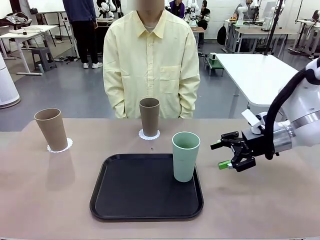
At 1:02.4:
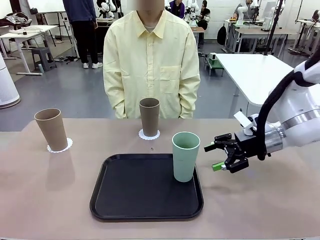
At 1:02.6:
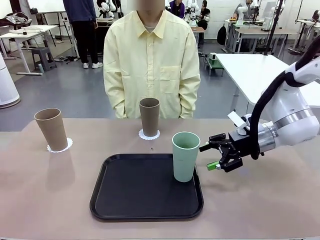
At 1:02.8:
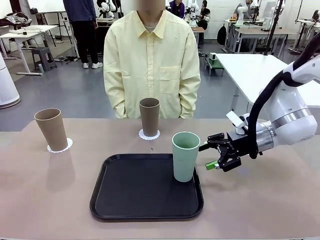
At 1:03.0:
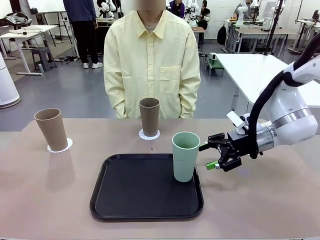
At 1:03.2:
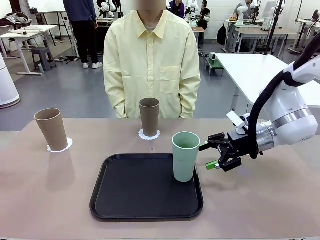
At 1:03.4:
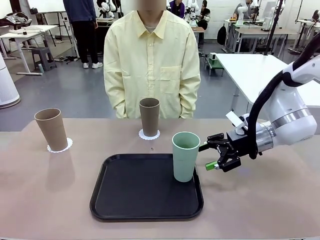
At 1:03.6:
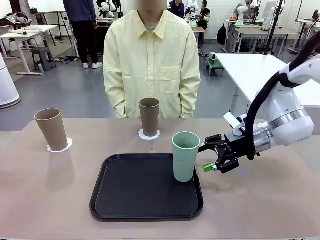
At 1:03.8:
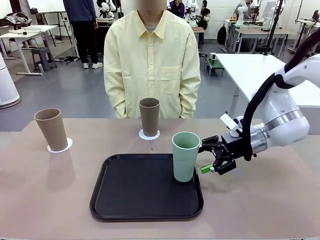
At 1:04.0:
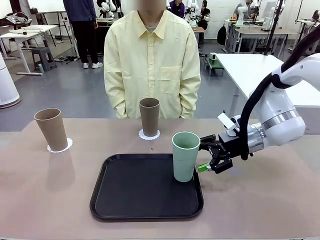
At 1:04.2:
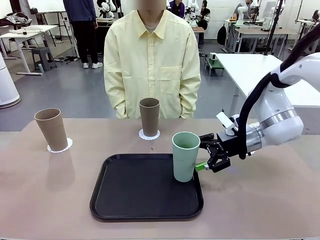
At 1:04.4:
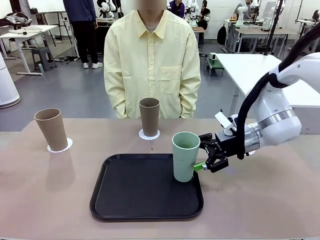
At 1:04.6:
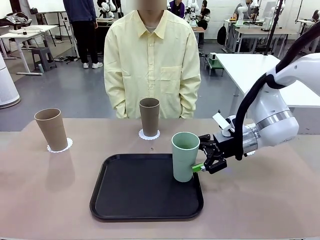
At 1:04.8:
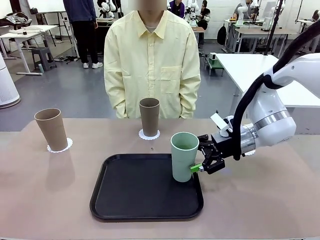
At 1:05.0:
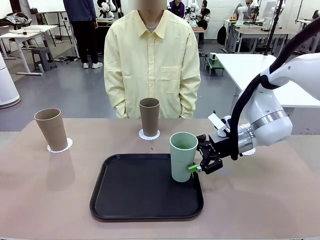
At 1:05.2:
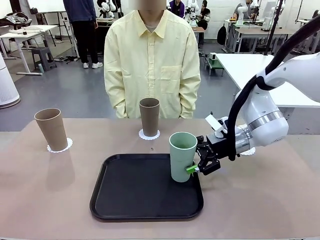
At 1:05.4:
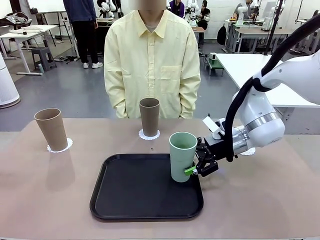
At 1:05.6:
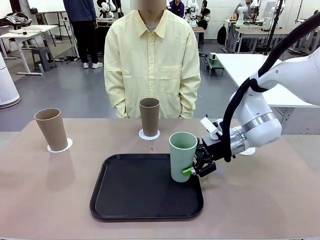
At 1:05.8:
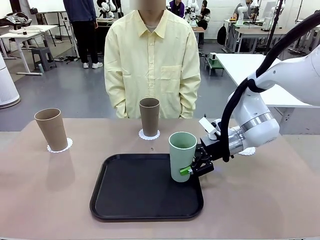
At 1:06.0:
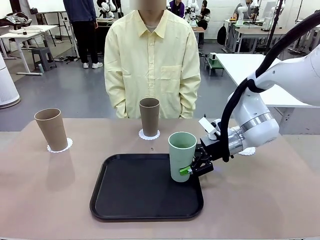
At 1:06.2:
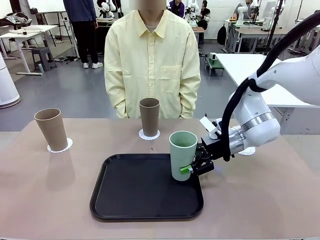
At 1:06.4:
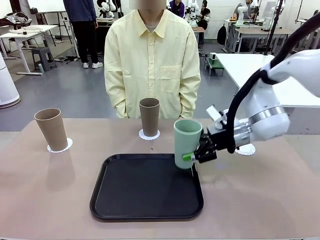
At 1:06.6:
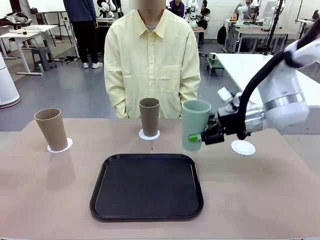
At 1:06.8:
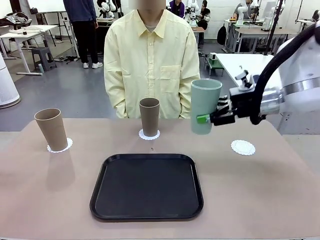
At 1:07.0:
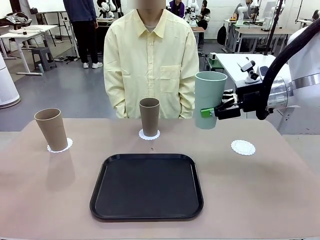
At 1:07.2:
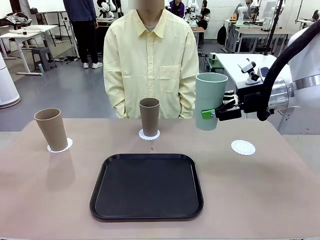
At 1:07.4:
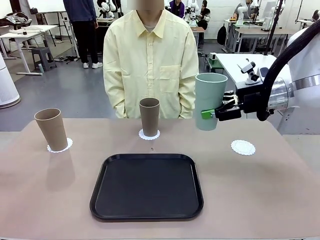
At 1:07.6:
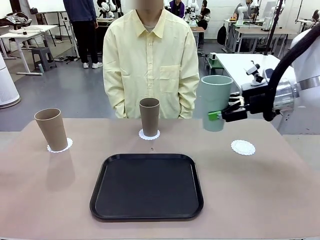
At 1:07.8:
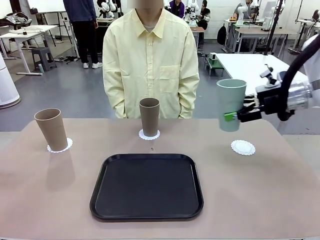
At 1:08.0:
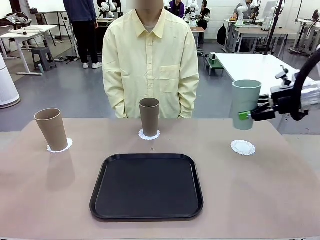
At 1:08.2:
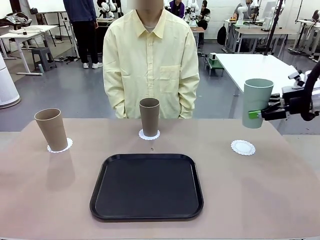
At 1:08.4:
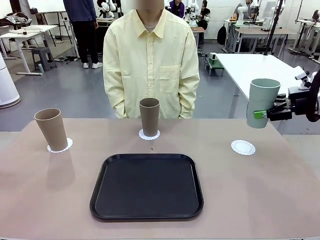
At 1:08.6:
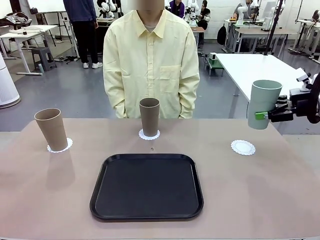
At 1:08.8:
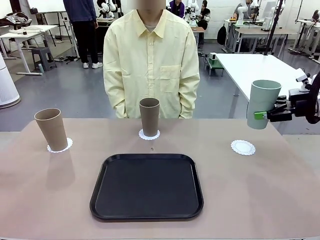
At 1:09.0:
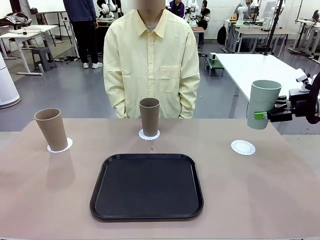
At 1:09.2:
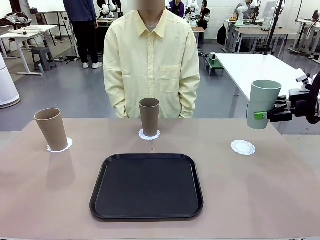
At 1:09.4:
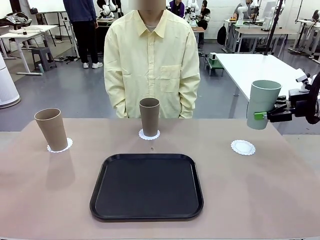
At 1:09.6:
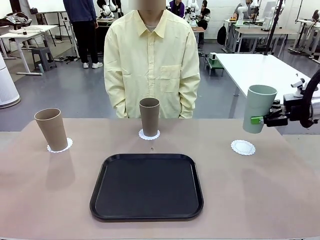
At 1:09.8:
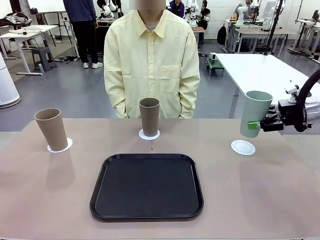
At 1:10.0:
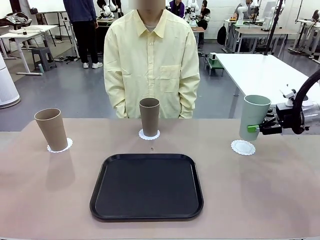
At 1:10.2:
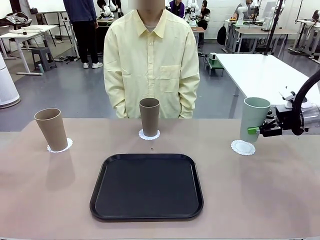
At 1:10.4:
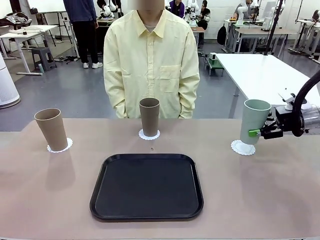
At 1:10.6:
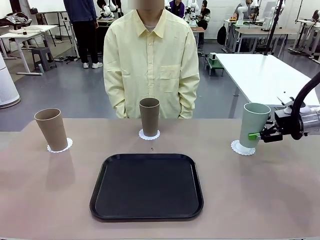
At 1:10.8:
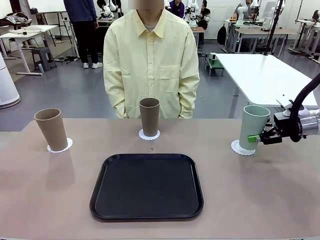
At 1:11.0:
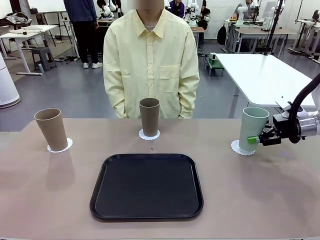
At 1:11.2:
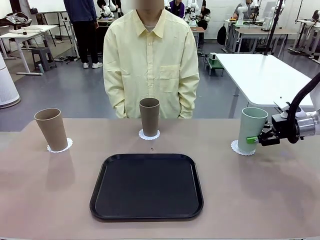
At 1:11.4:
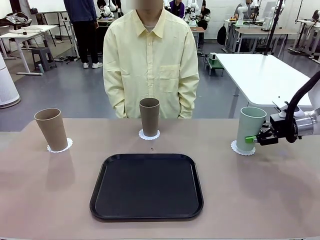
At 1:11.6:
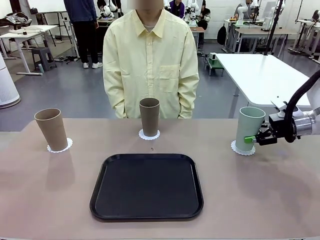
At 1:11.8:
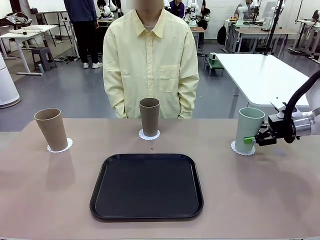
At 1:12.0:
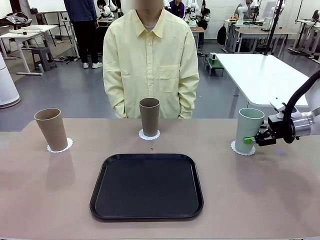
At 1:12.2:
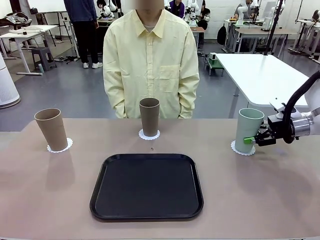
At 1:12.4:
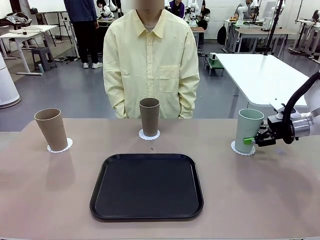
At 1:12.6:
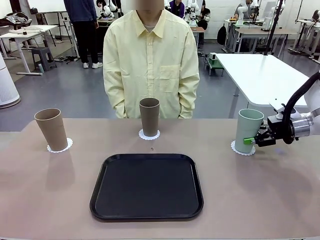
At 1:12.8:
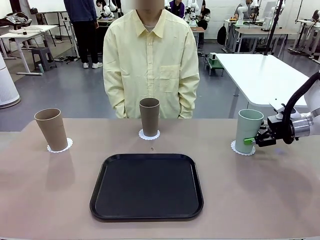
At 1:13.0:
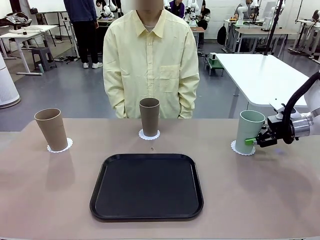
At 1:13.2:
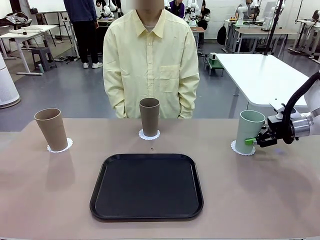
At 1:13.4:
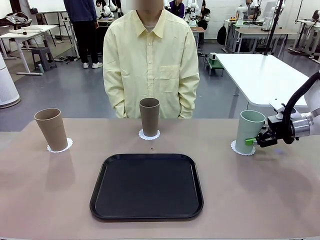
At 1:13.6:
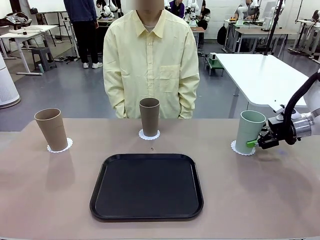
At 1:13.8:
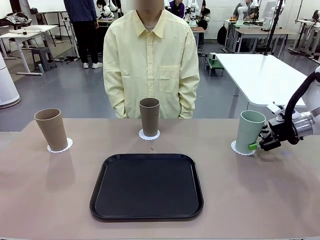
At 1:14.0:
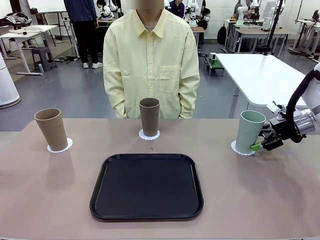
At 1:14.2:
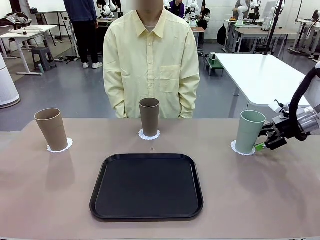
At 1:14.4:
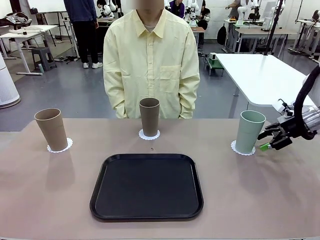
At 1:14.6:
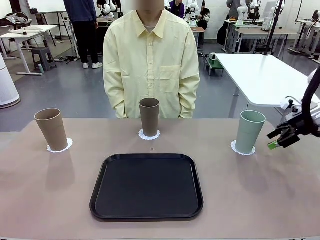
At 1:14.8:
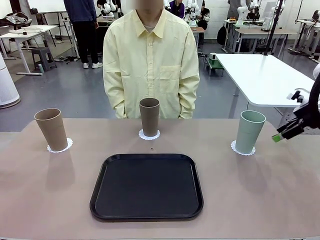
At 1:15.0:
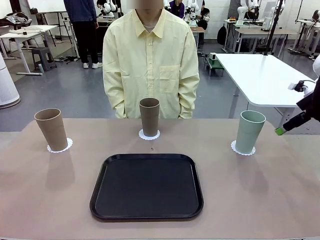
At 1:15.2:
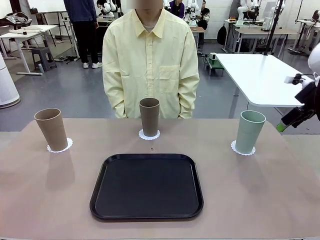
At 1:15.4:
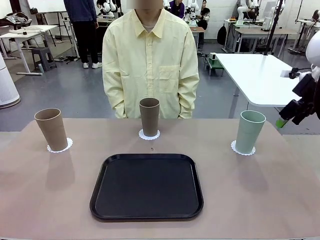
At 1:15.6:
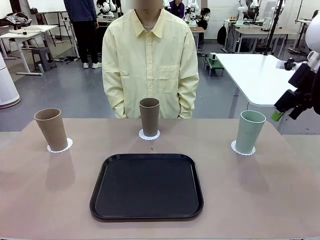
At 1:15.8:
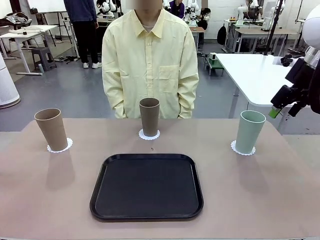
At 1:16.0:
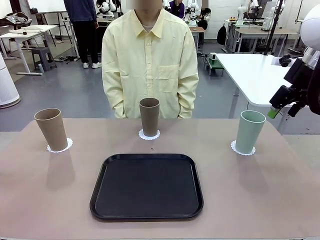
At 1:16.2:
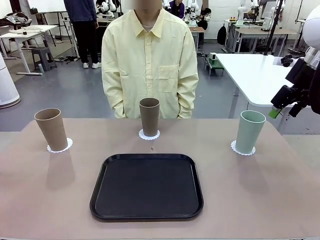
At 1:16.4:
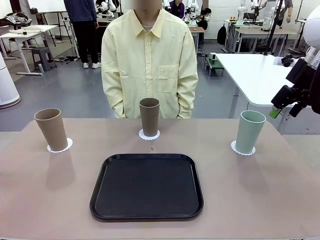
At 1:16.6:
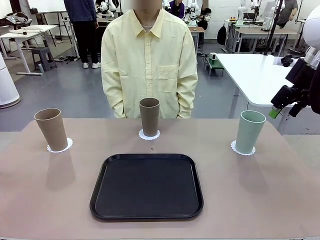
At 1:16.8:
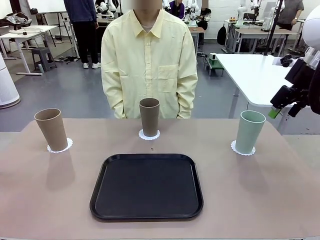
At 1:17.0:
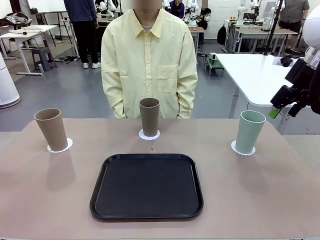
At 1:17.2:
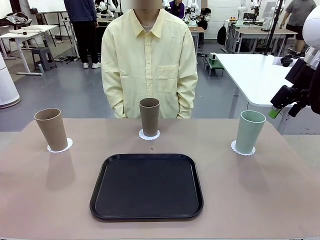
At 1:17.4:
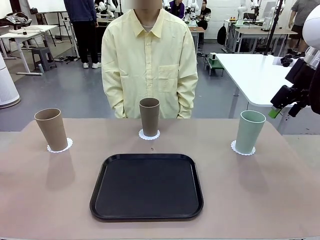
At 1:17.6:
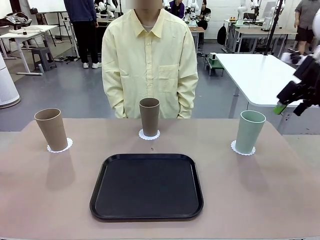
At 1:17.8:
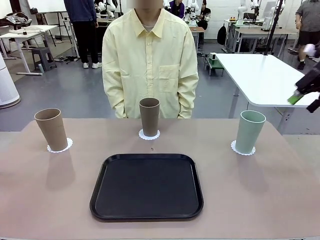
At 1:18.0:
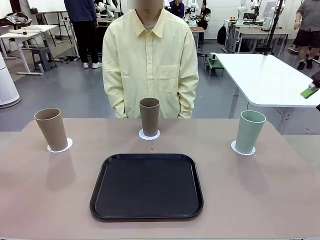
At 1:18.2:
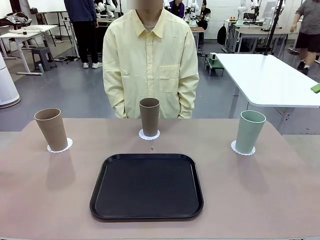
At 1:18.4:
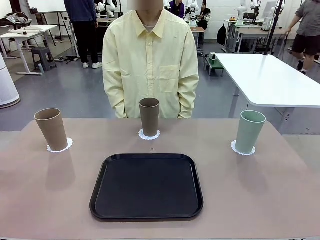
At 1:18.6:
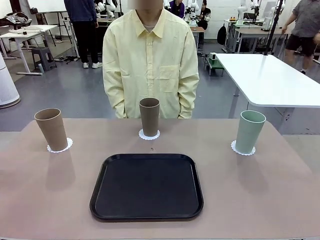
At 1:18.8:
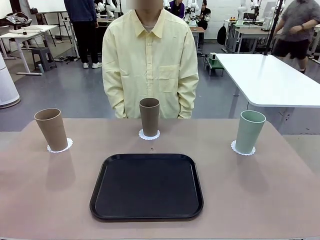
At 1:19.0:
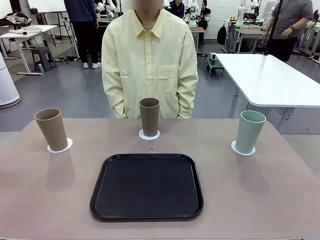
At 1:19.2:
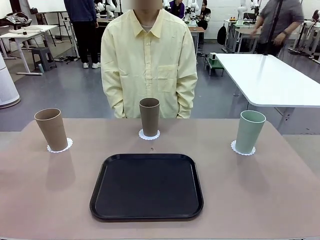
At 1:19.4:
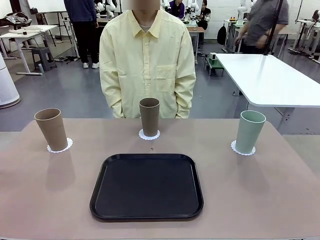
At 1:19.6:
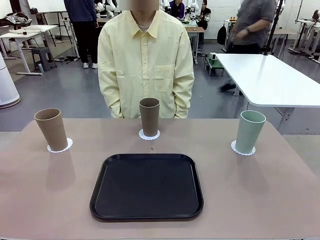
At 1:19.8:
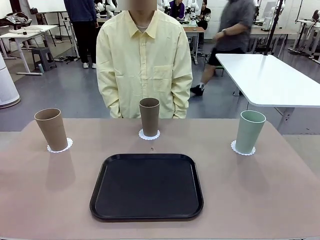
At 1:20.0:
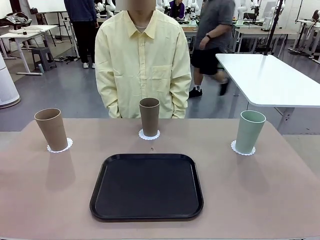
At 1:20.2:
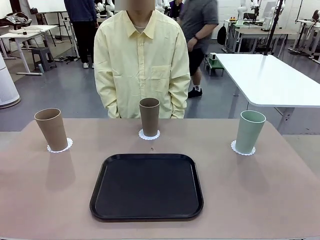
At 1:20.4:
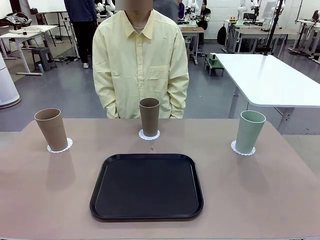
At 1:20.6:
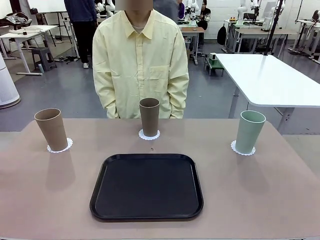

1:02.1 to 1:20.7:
Task: Place coasters on the table and set cups on them.
Robot: Take one Reusable plastic cup from the Flat Tray and place it on a coaster set by the human.
